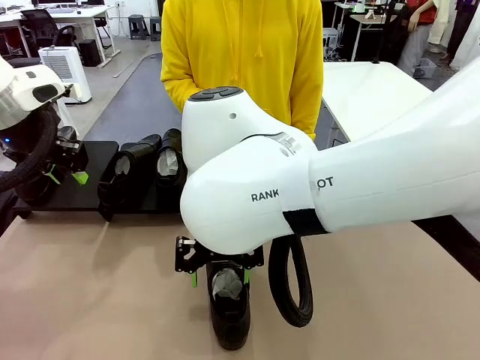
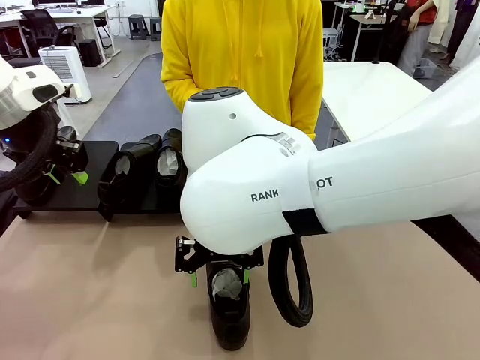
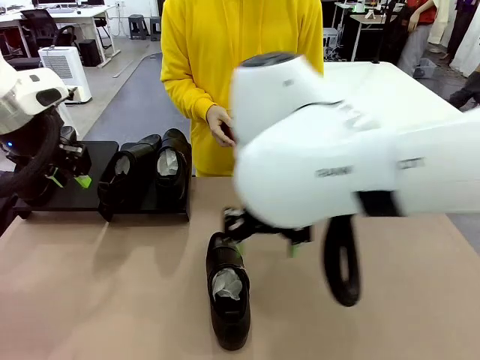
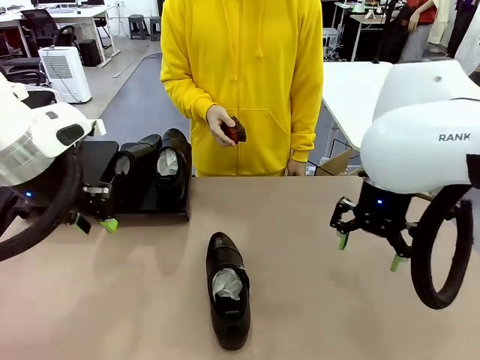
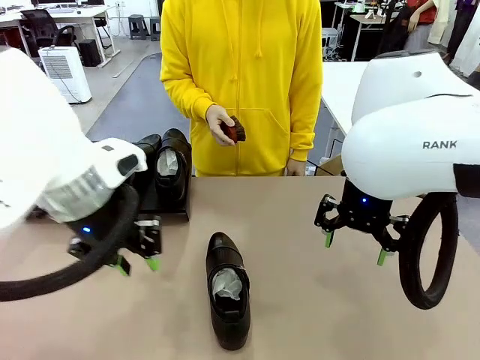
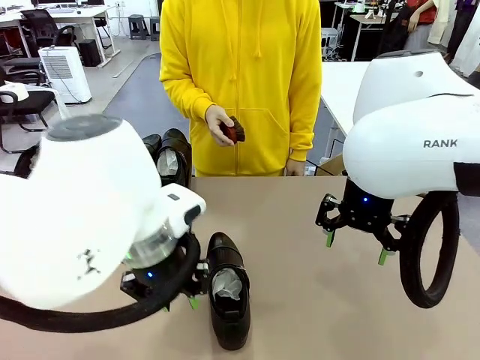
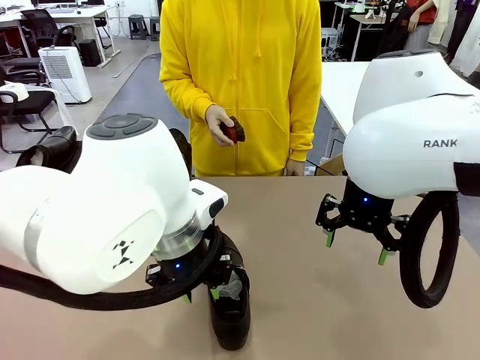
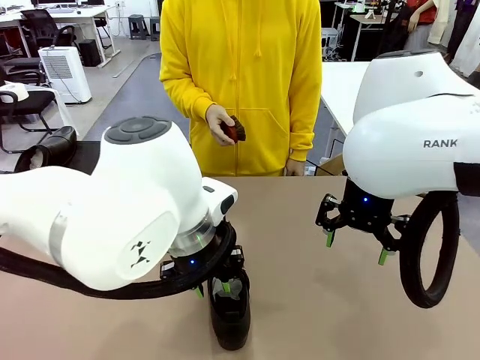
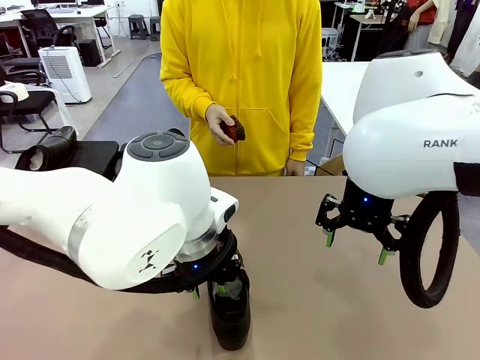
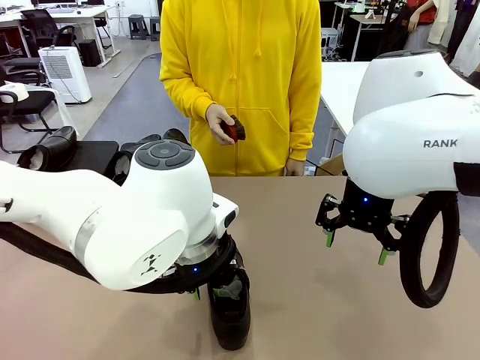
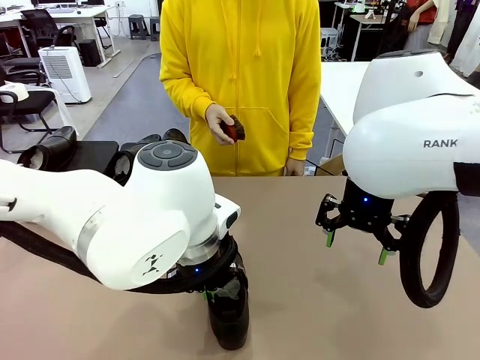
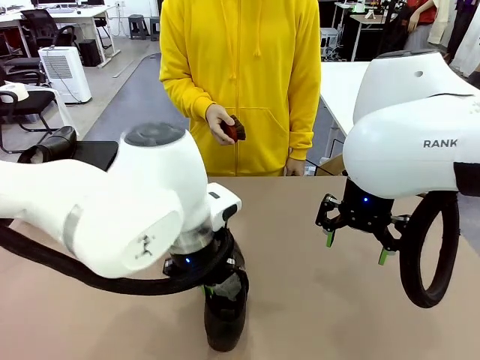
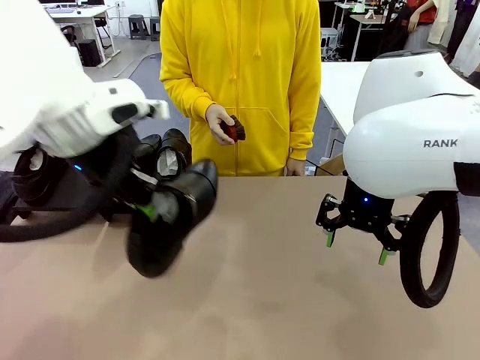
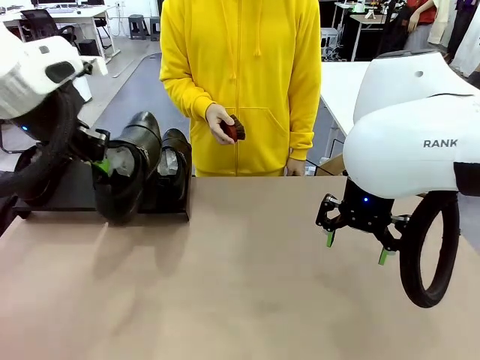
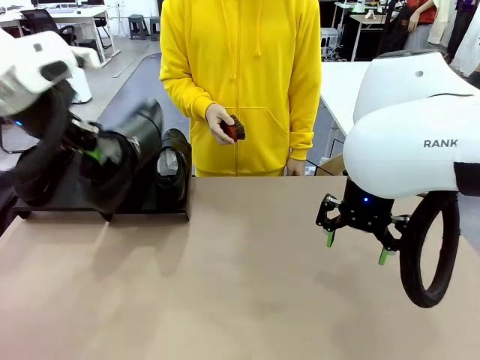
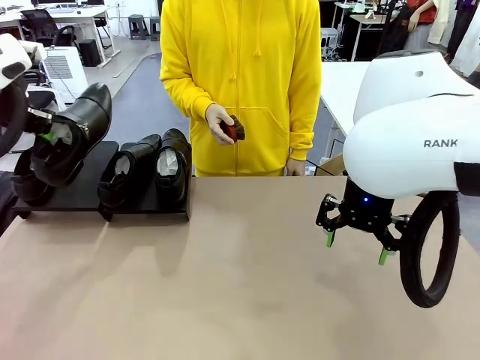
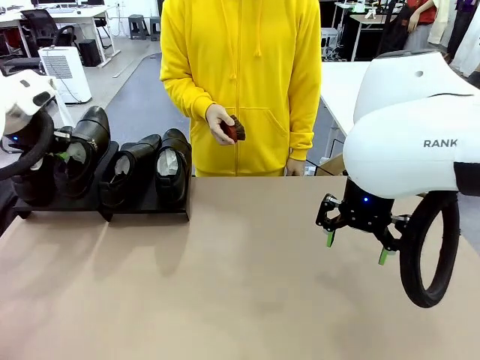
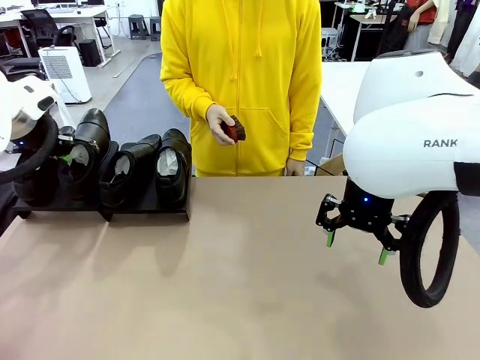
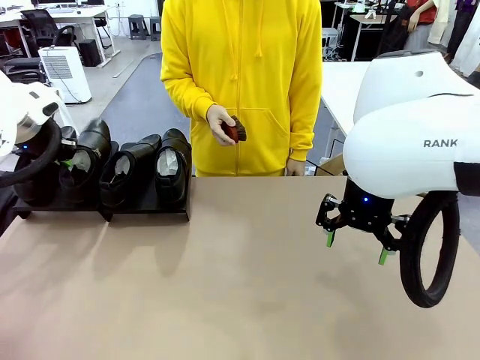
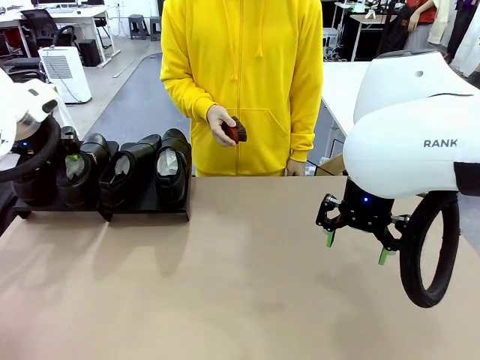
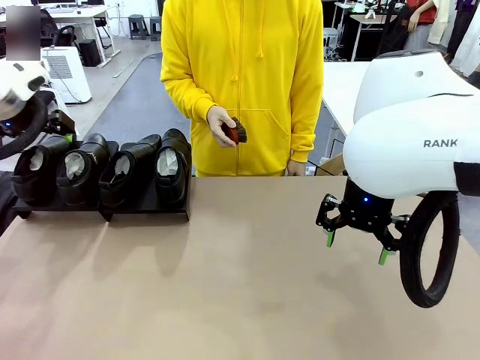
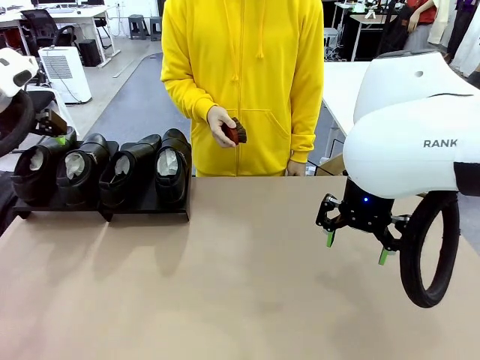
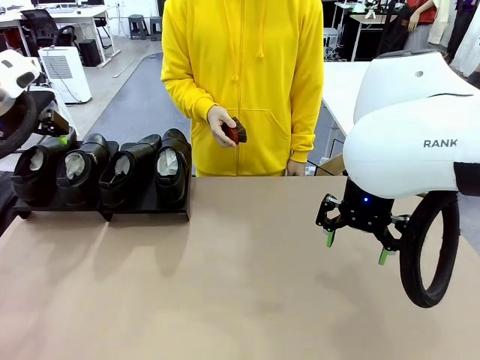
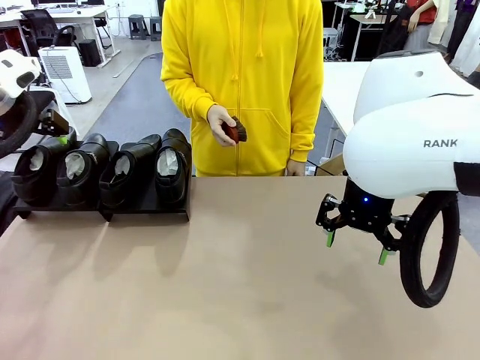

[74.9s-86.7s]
Task: Organize the shoes by placing them on the stand.
Robot: Place the Shoe from the middle of the table onto the Shoes Stand.

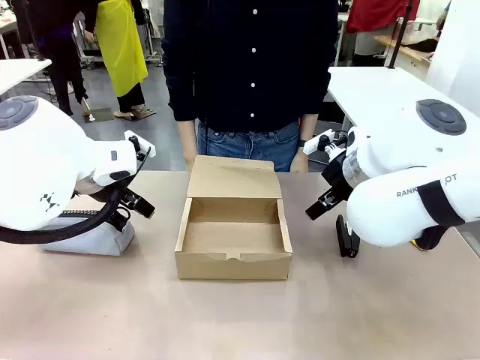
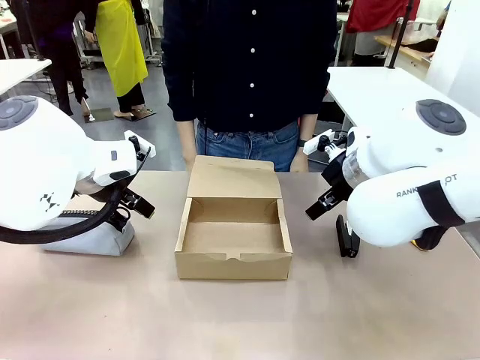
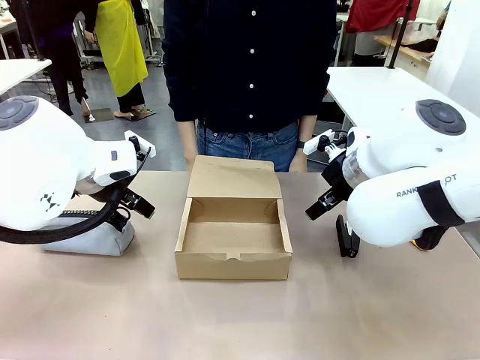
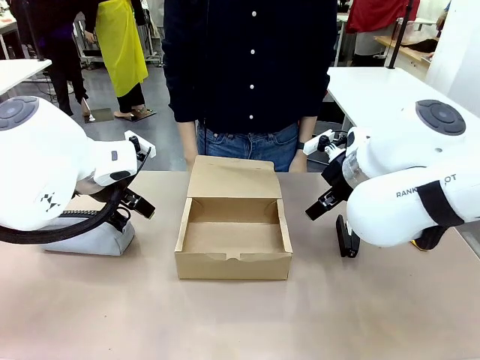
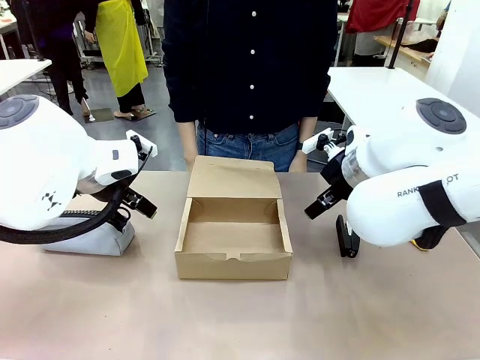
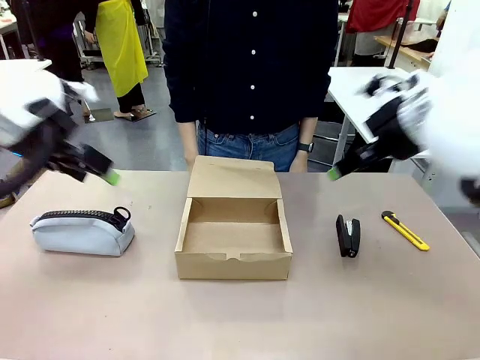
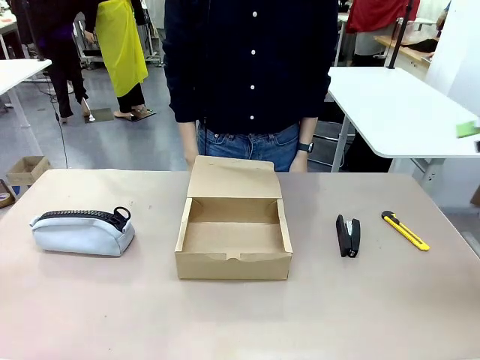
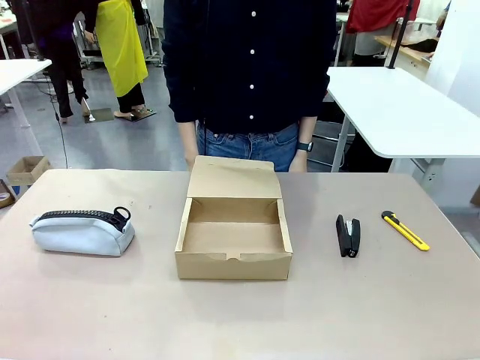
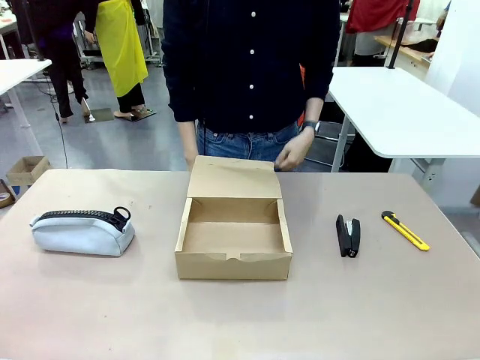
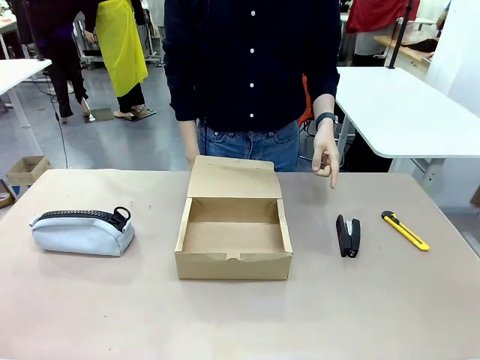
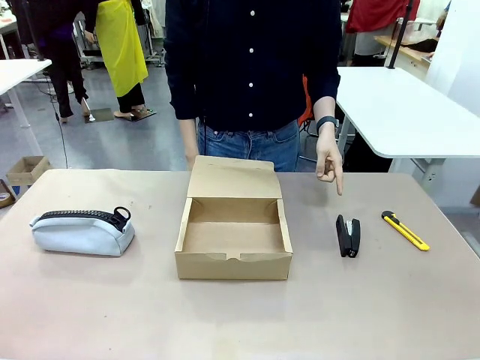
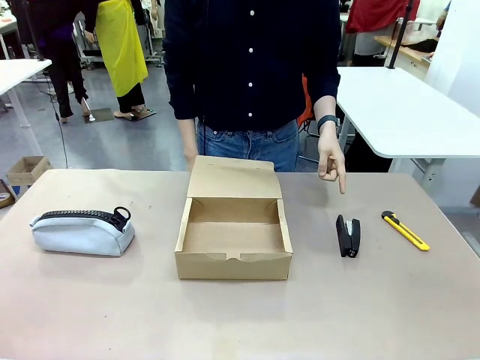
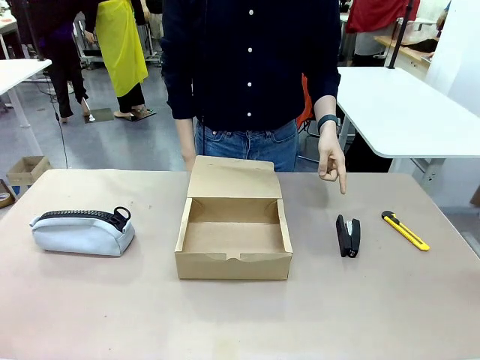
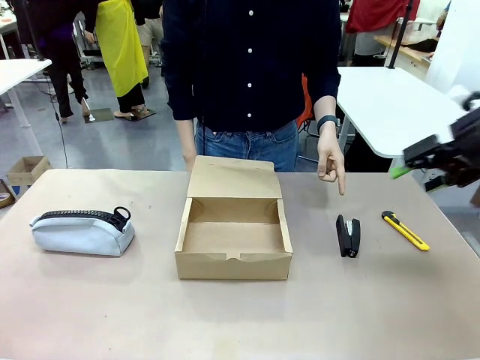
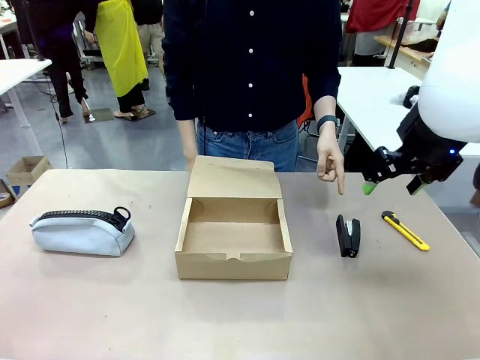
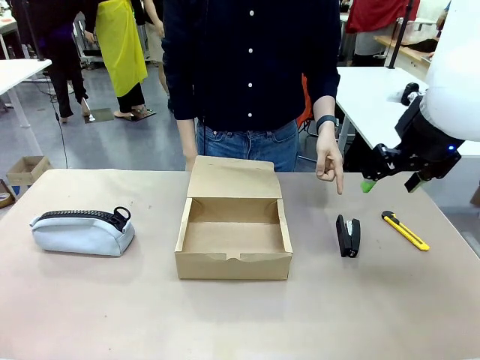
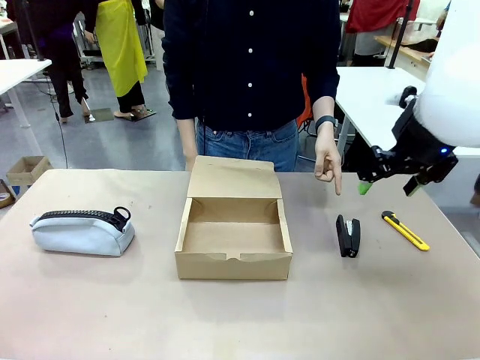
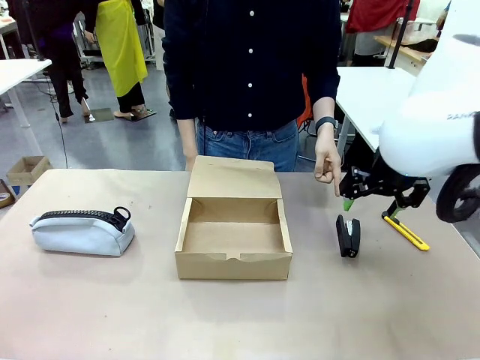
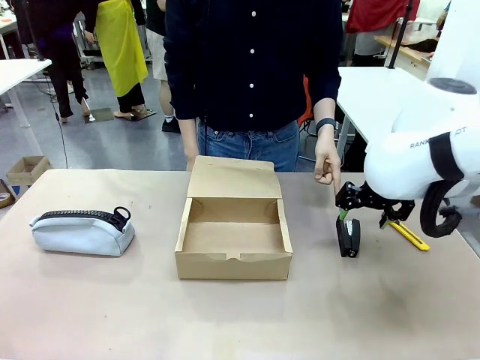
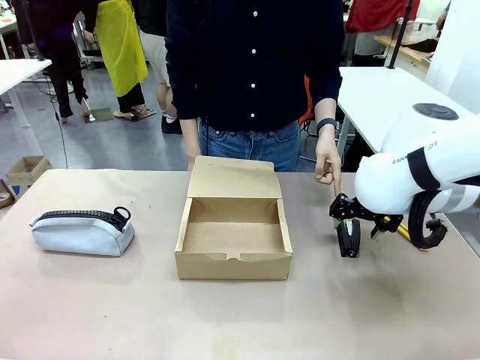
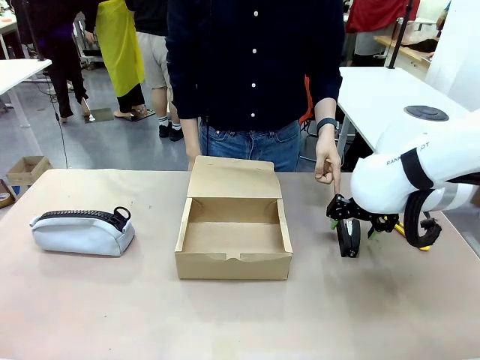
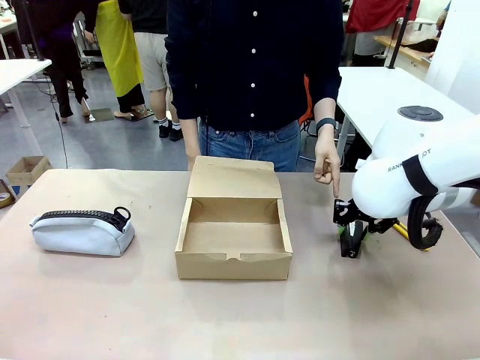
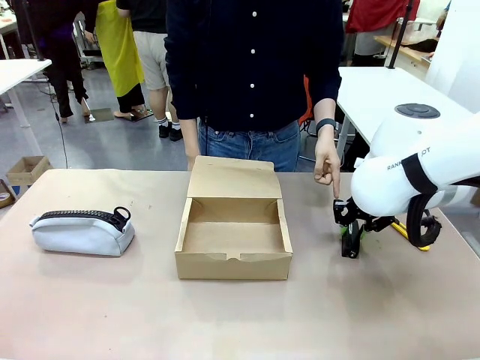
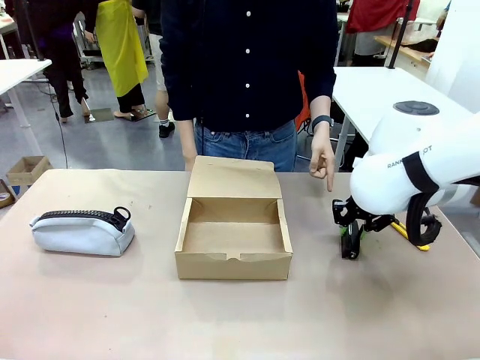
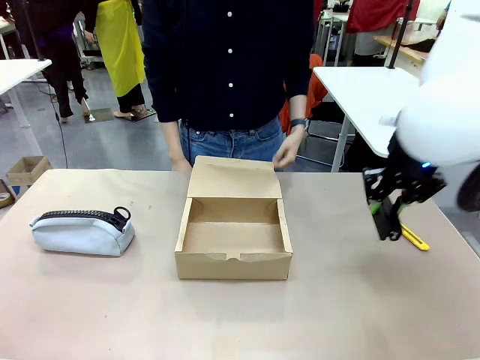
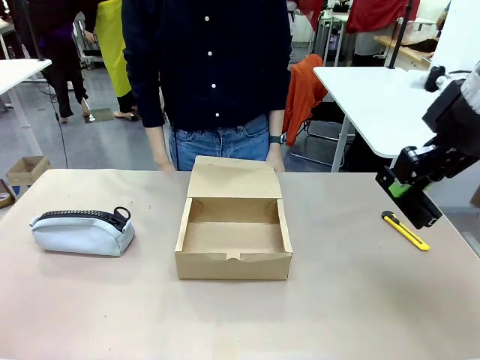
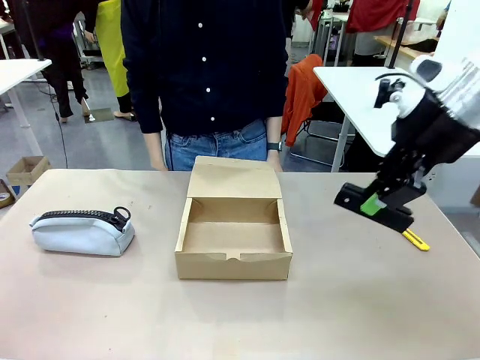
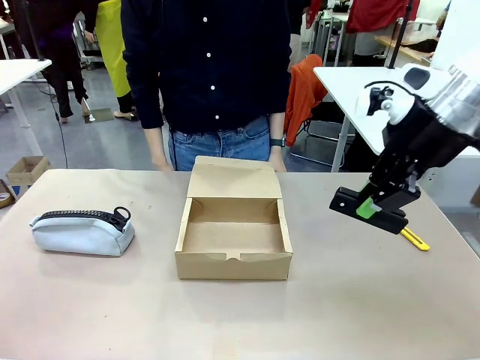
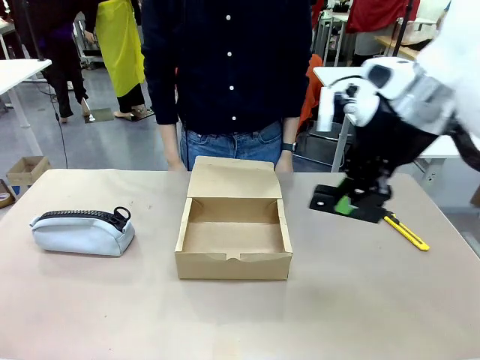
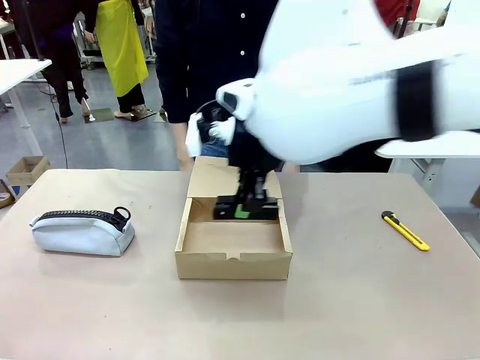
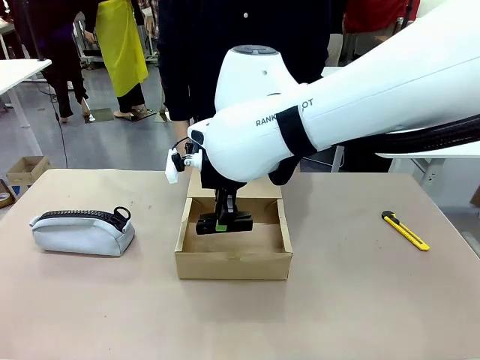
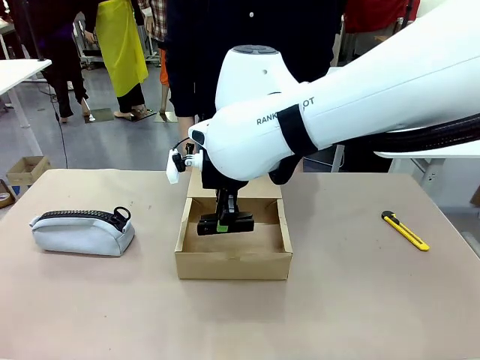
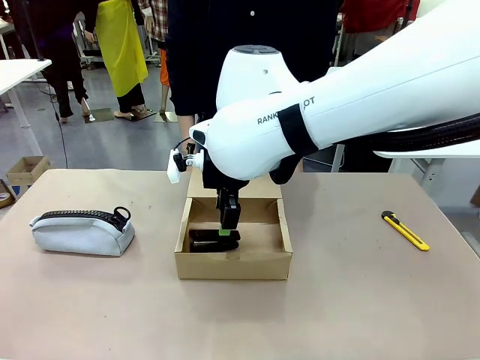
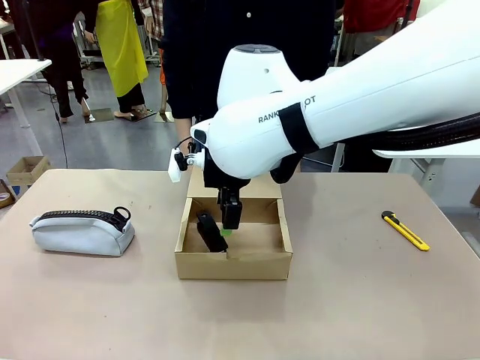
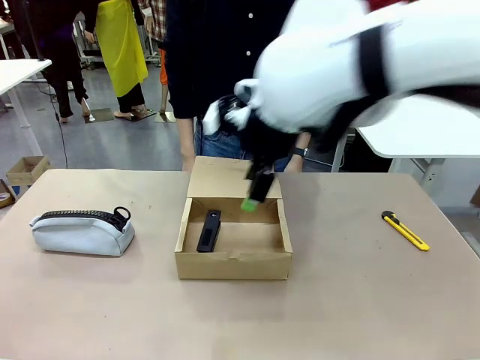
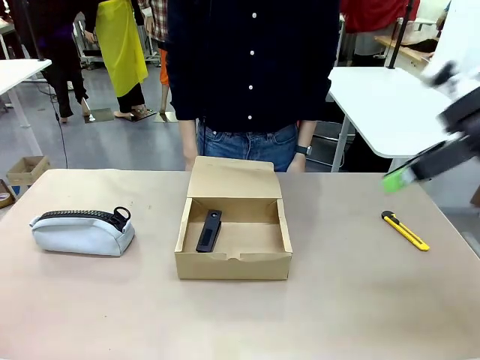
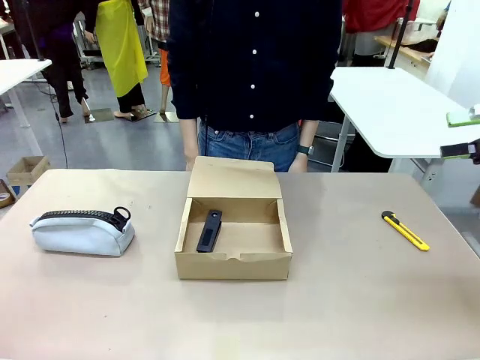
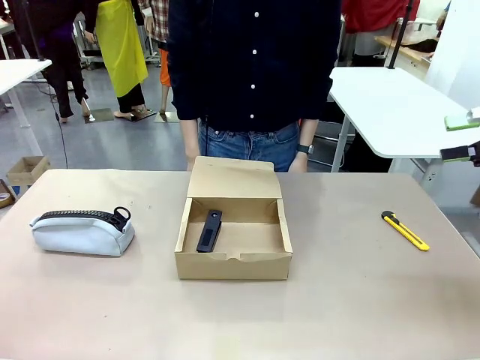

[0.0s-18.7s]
Task: Pack the item into the box.
Robot: Pick up the item indicated by the person and place it inside the Mailer Box.
Person: Point at one item on the table (excluding the box). Lower both hands vertically with palms facing downward, as if pressing something closed.
